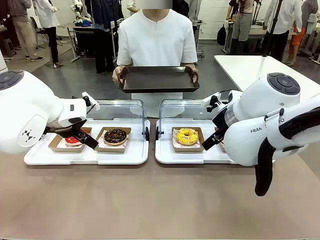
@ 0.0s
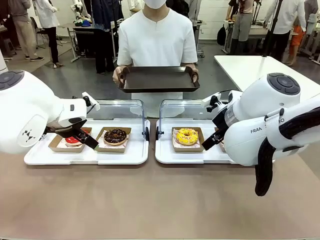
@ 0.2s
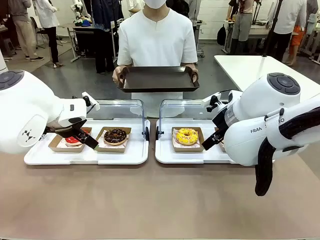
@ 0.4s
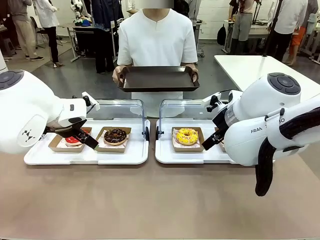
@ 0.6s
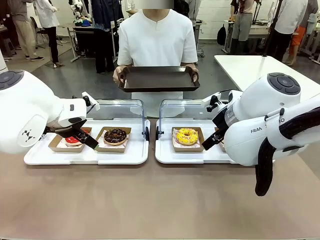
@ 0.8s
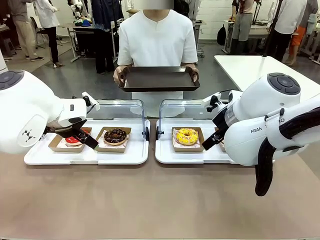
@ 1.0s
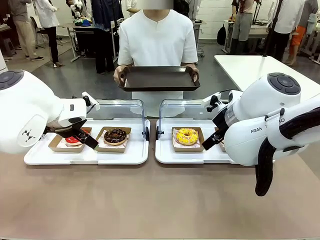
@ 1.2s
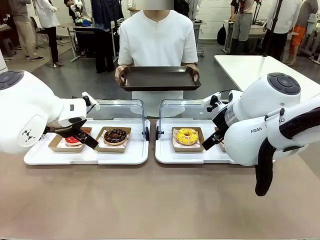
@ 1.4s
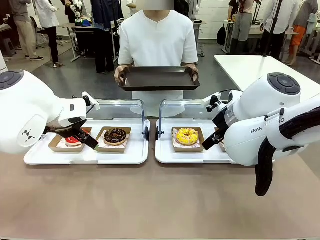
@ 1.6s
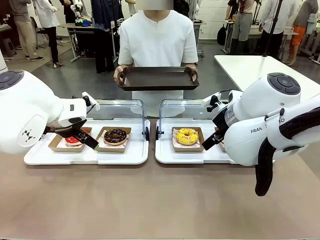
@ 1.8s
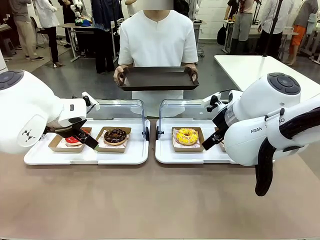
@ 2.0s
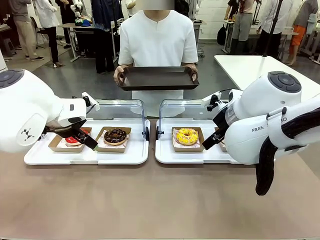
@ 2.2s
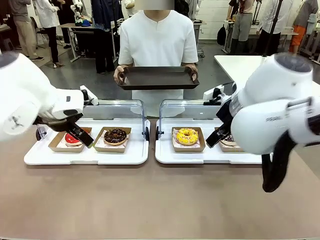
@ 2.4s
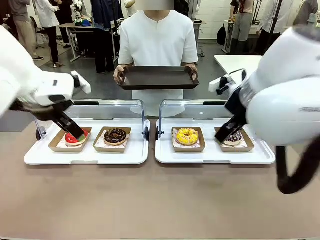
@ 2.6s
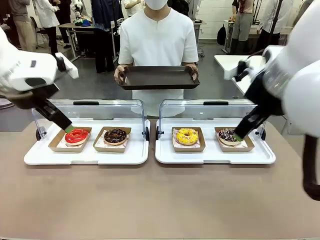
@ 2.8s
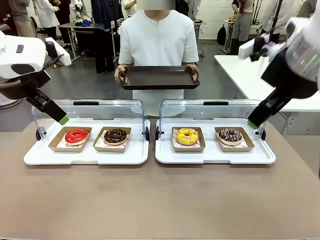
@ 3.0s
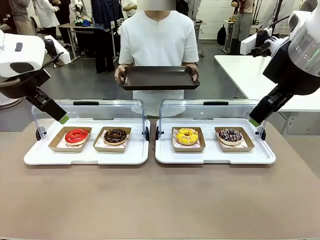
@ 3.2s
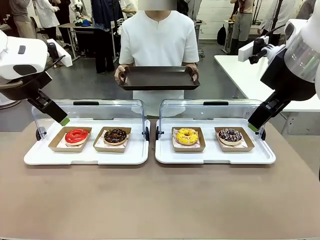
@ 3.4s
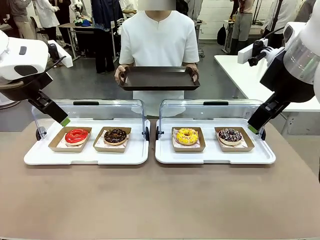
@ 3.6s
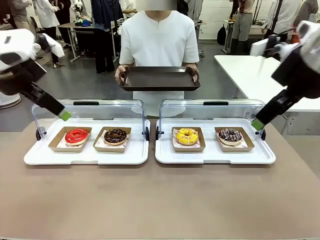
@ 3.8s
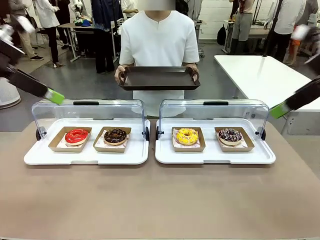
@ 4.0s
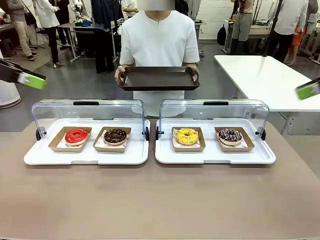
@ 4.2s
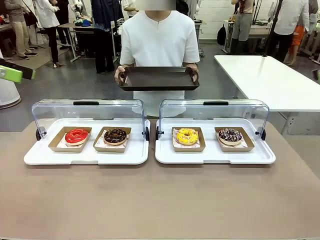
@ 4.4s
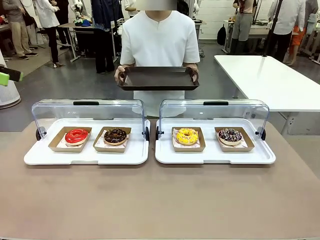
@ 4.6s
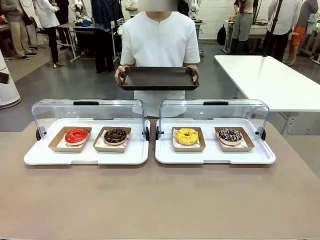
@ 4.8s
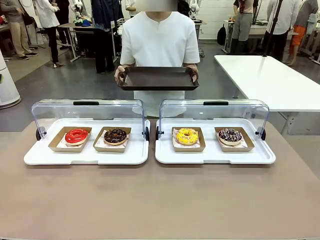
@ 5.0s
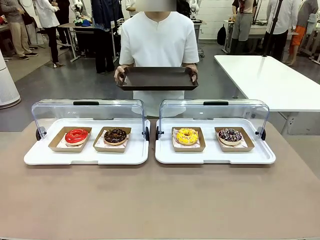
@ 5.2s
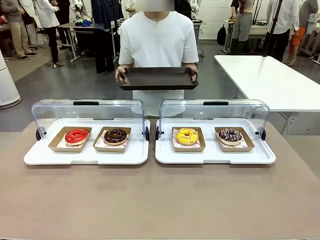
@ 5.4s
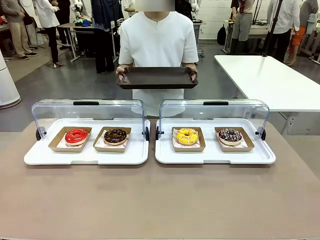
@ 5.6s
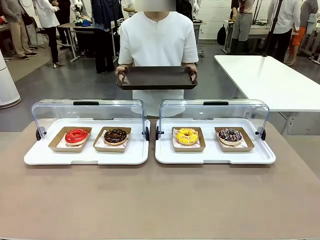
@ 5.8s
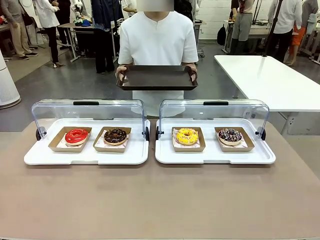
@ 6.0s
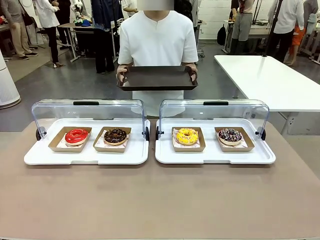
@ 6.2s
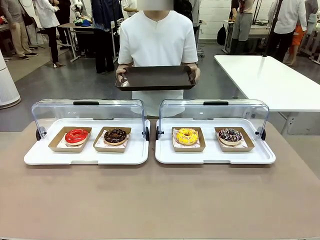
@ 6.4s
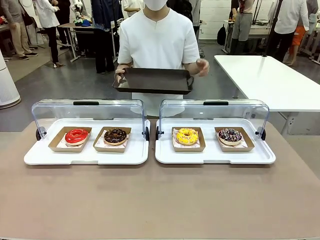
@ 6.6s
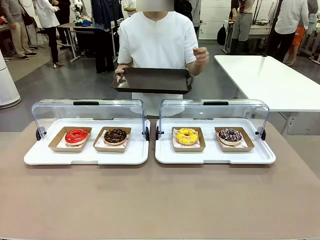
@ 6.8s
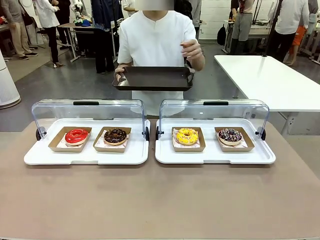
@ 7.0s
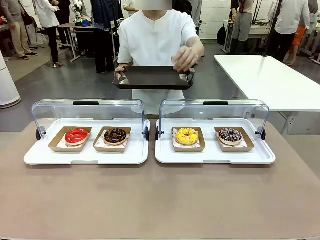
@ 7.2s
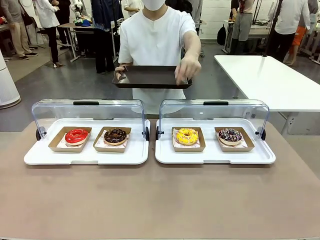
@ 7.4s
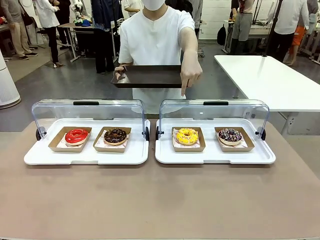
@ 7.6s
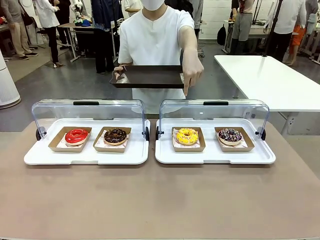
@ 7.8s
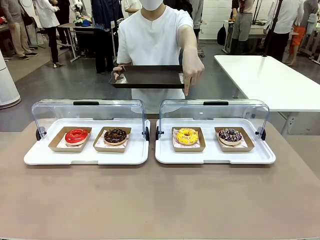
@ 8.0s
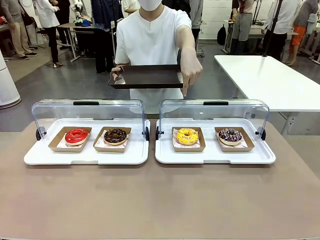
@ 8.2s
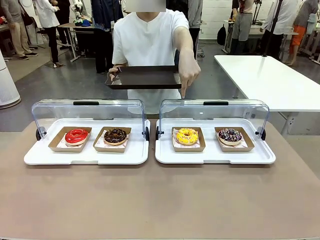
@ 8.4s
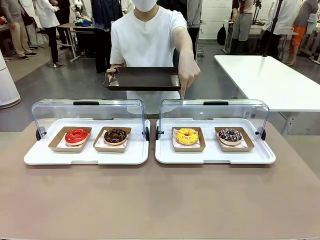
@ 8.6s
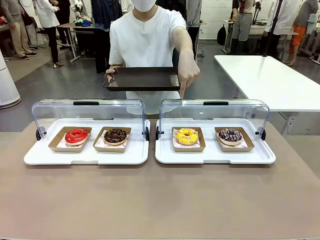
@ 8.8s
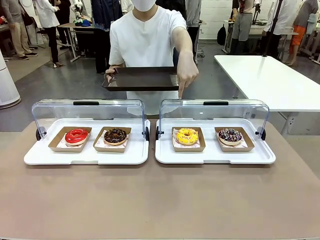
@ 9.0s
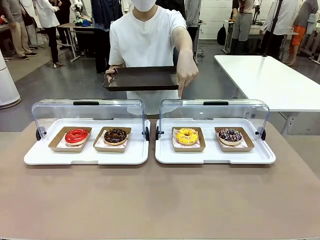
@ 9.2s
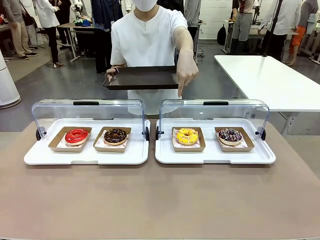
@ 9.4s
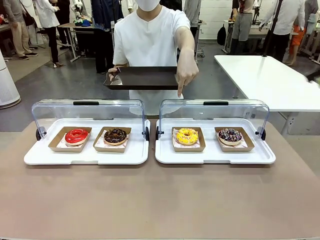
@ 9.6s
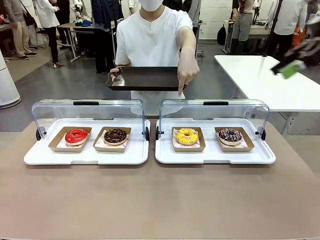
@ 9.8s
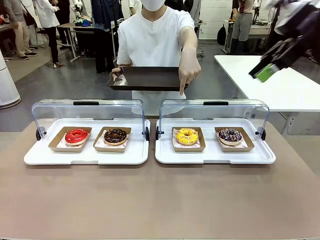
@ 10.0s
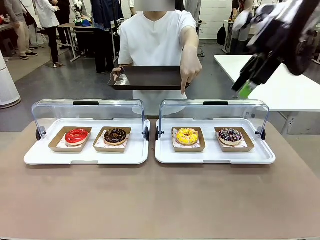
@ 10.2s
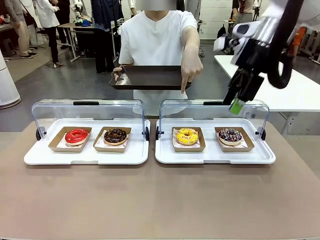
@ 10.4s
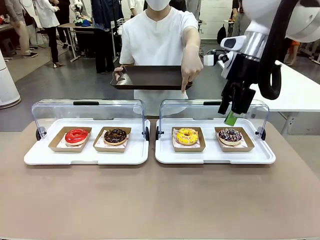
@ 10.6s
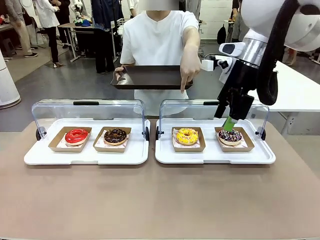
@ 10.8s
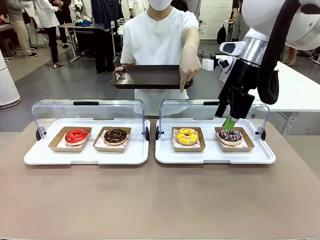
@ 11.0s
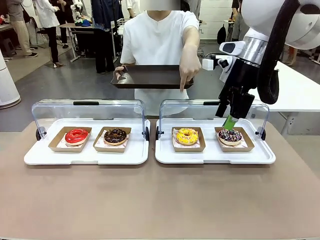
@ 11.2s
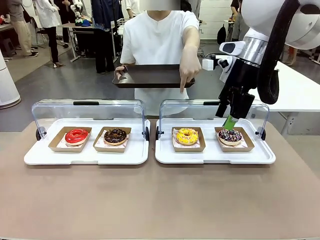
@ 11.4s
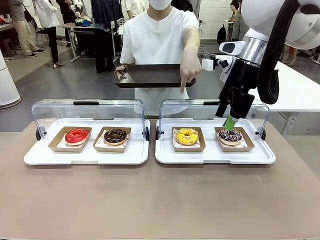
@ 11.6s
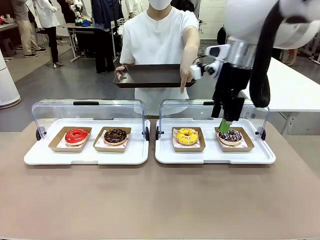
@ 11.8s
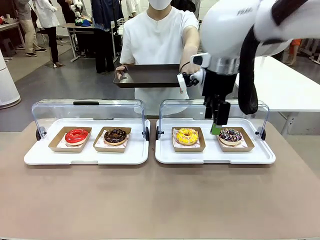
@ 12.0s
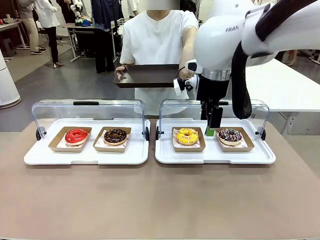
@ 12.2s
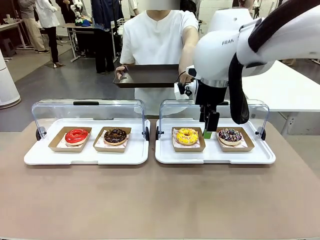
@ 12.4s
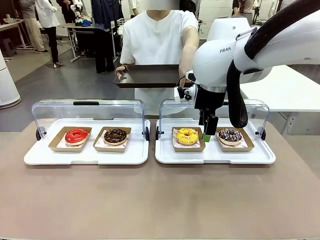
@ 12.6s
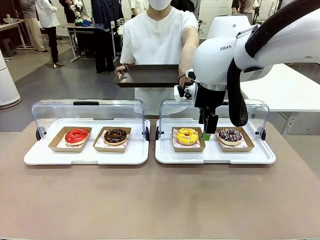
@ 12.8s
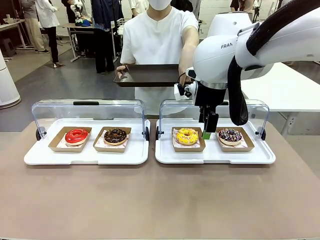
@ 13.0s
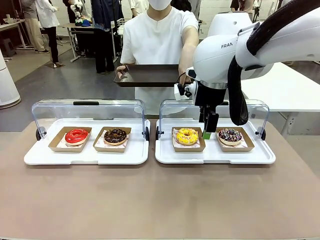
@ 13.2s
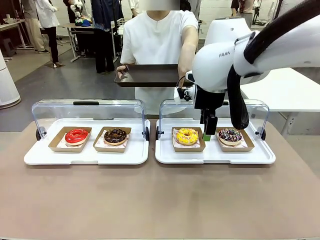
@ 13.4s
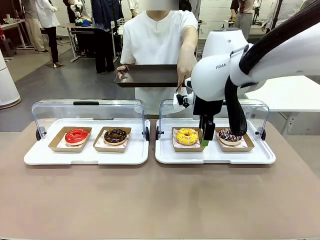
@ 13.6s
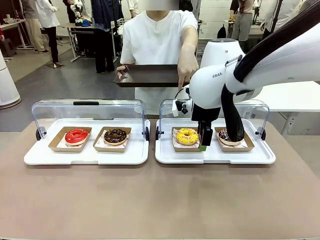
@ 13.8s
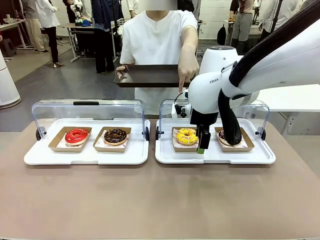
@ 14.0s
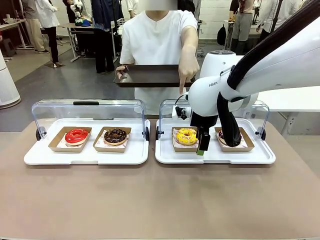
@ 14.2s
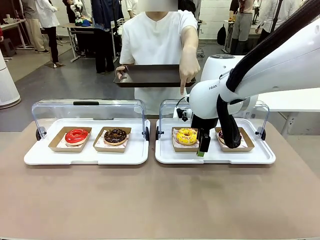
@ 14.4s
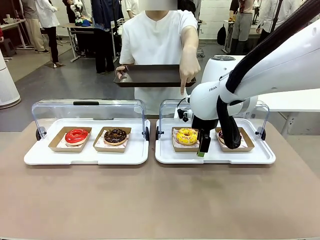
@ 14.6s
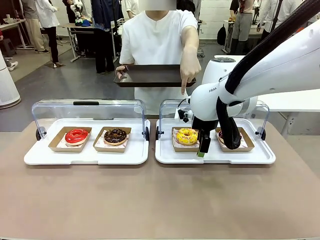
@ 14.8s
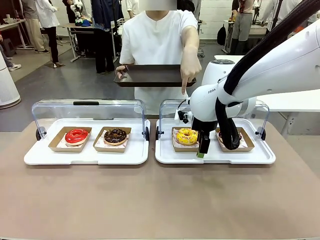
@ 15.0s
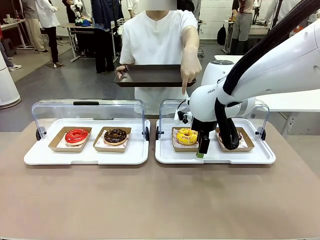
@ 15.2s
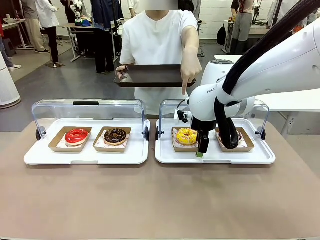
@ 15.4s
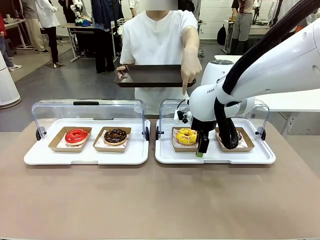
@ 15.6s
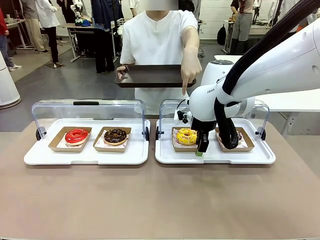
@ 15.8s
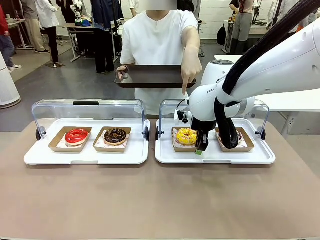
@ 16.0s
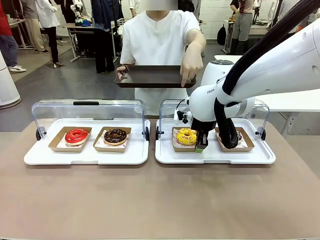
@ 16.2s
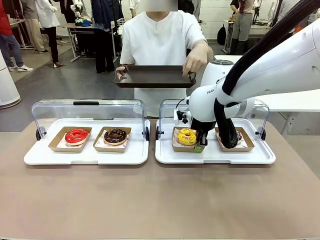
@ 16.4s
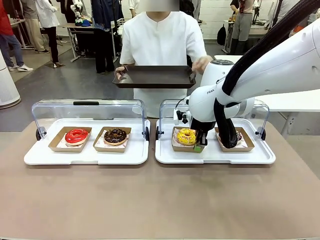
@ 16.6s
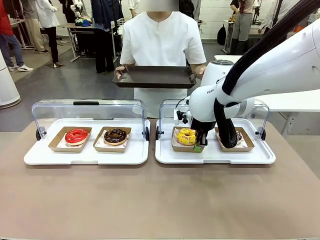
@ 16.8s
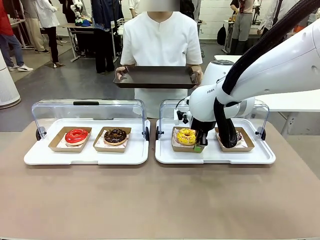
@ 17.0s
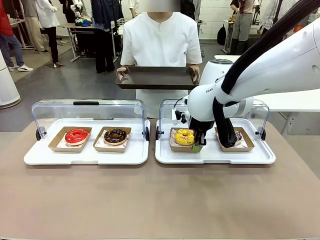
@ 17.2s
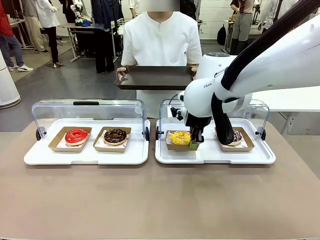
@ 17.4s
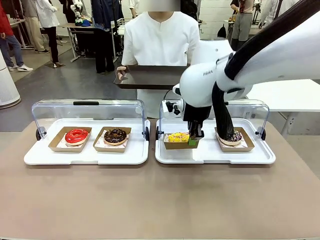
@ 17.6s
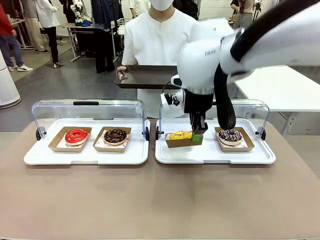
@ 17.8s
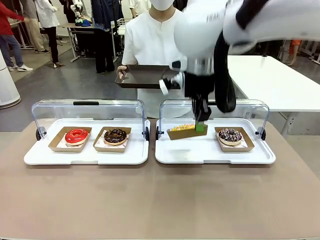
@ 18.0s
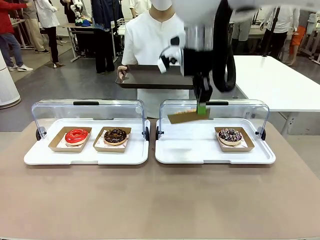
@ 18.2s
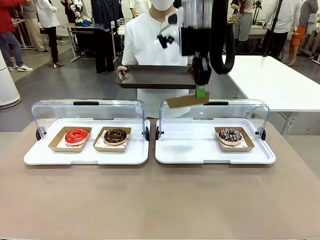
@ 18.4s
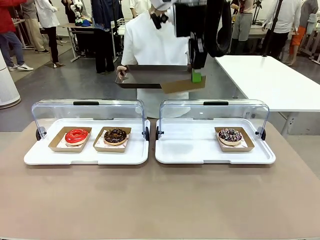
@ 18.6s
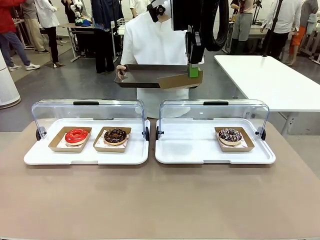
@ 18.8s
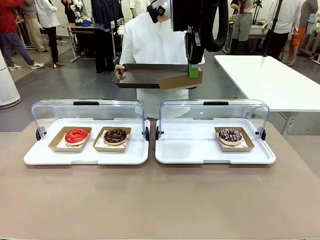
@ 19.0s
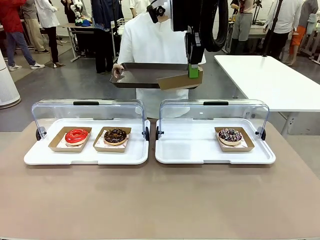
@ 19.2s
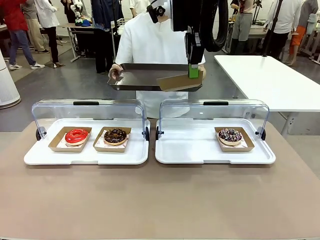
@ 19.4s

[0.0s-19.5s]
Task: Provide the desired donut to the person.
Robot: Pick up and lift the Paper togo box containing the Donut pointed at by the person.
Person: Point to one donut. Lift the tray onto the Roll-Top Bakery Case.
